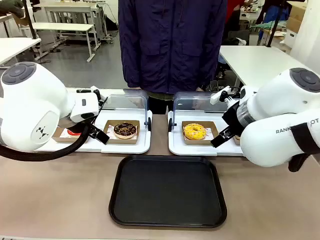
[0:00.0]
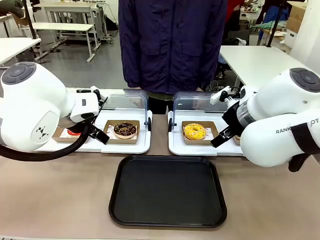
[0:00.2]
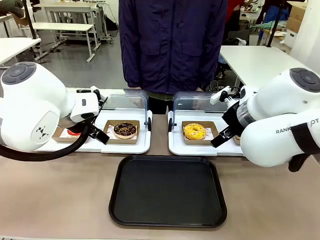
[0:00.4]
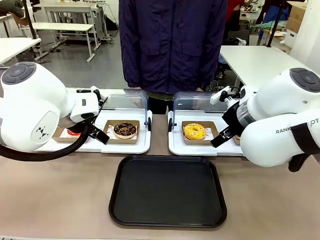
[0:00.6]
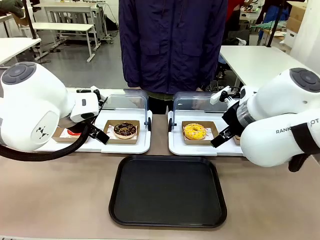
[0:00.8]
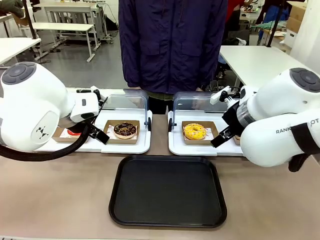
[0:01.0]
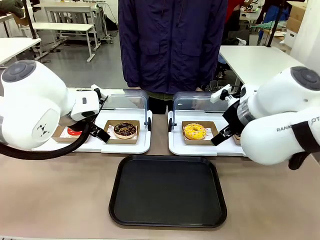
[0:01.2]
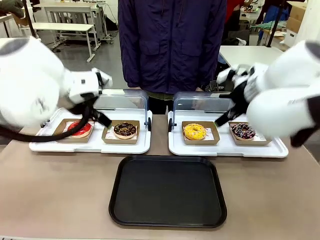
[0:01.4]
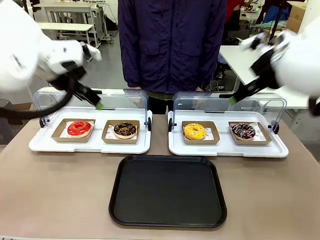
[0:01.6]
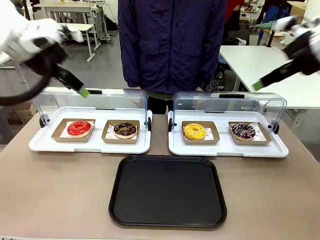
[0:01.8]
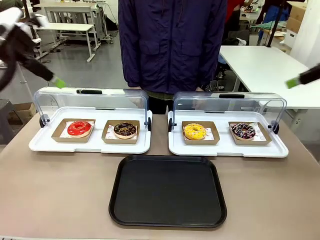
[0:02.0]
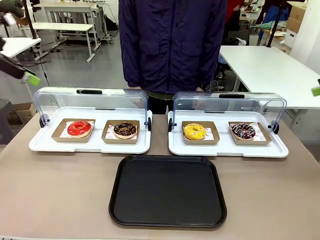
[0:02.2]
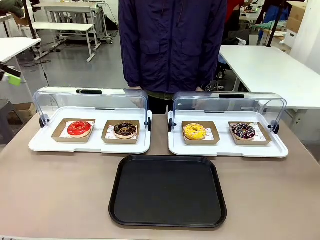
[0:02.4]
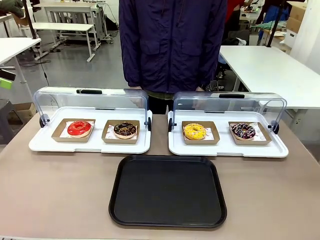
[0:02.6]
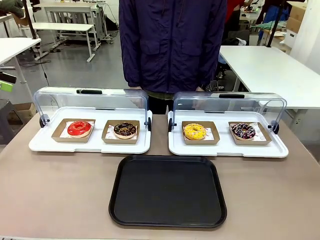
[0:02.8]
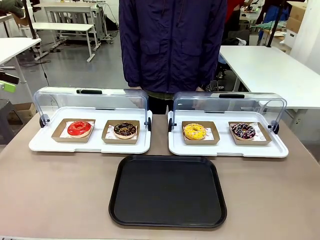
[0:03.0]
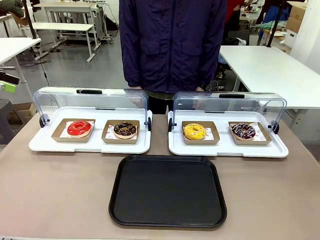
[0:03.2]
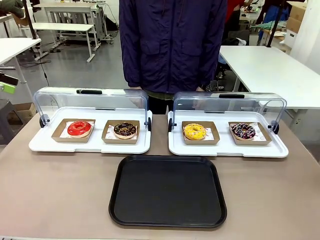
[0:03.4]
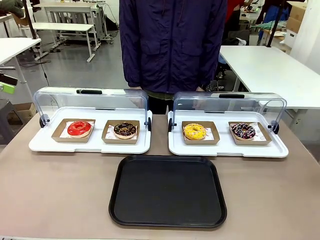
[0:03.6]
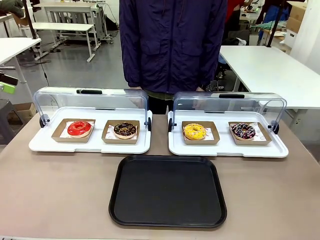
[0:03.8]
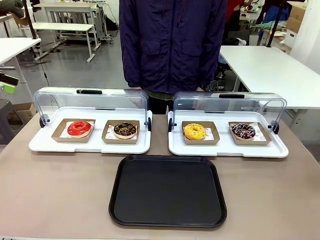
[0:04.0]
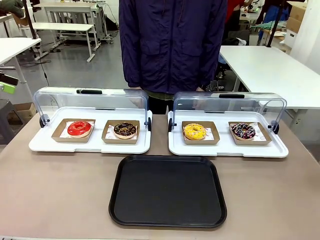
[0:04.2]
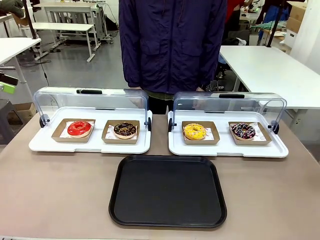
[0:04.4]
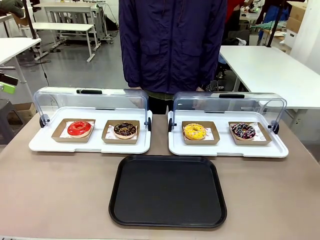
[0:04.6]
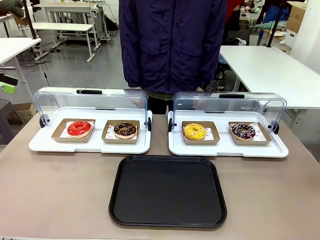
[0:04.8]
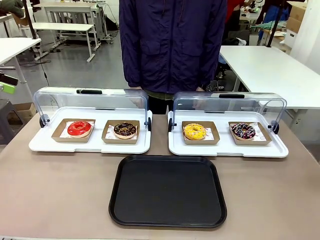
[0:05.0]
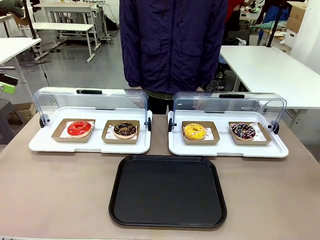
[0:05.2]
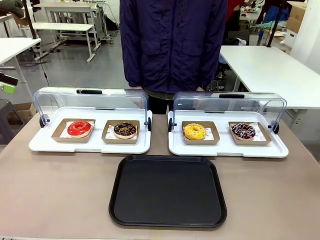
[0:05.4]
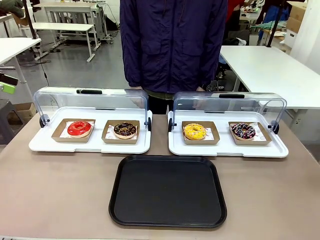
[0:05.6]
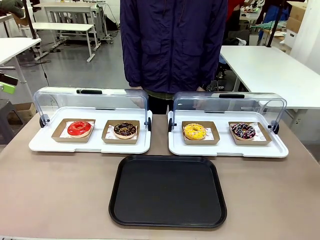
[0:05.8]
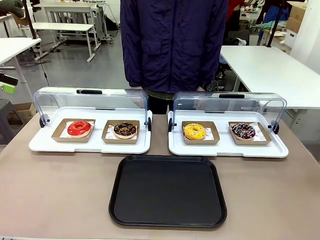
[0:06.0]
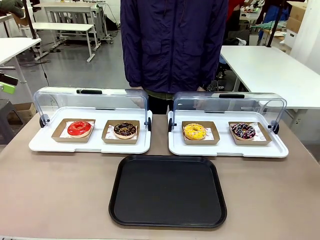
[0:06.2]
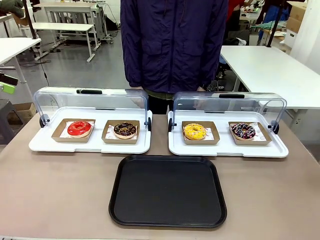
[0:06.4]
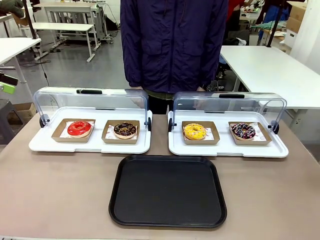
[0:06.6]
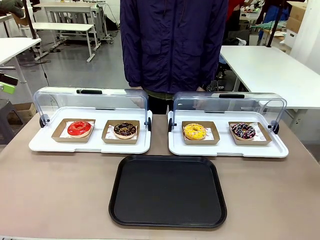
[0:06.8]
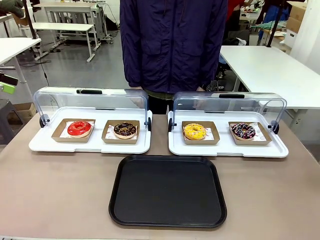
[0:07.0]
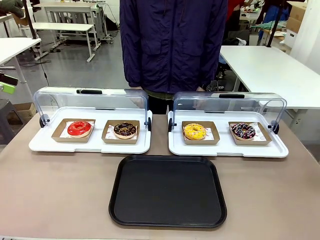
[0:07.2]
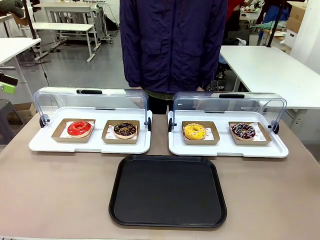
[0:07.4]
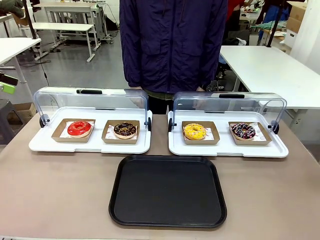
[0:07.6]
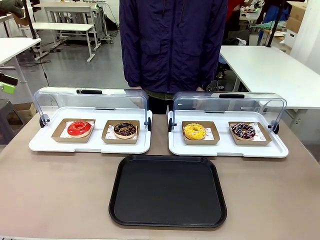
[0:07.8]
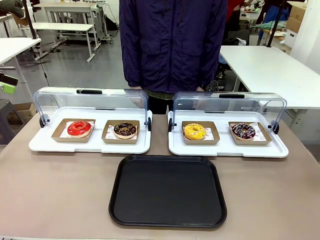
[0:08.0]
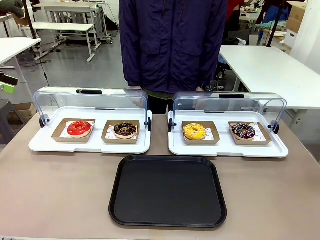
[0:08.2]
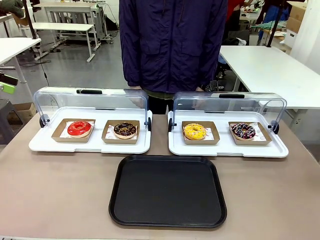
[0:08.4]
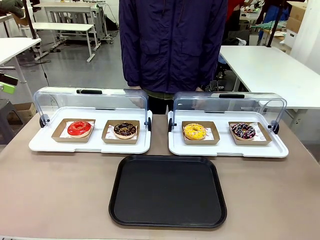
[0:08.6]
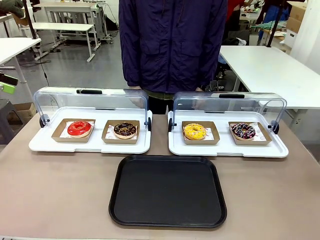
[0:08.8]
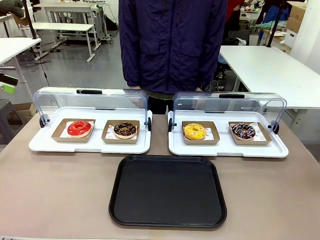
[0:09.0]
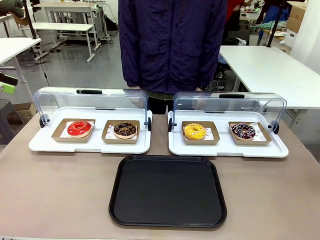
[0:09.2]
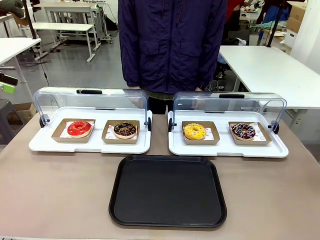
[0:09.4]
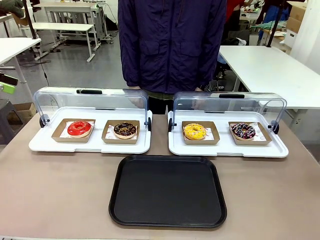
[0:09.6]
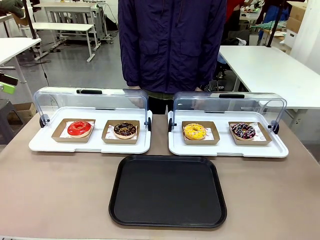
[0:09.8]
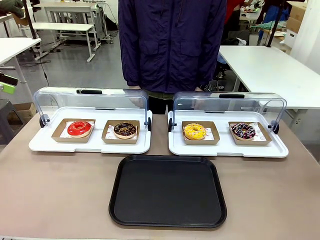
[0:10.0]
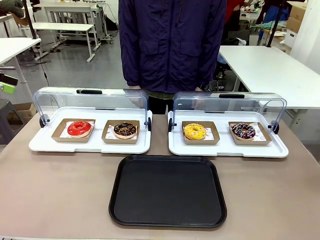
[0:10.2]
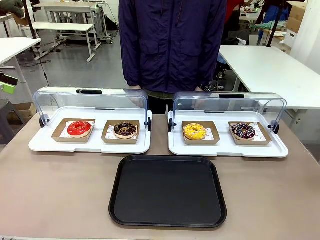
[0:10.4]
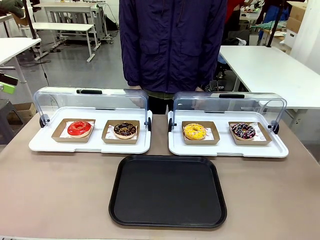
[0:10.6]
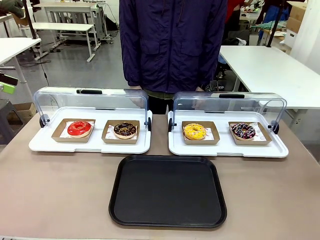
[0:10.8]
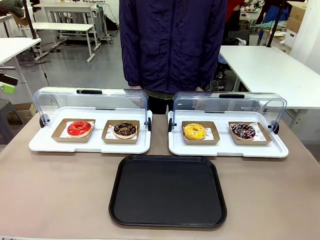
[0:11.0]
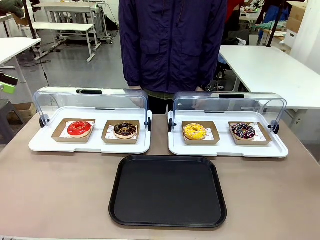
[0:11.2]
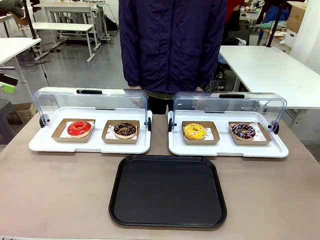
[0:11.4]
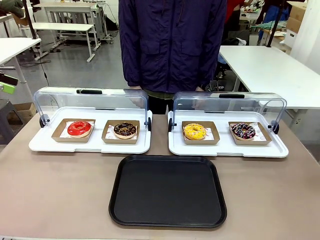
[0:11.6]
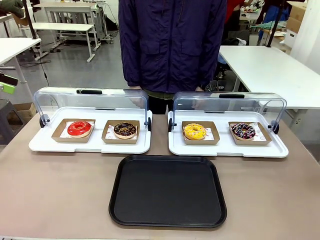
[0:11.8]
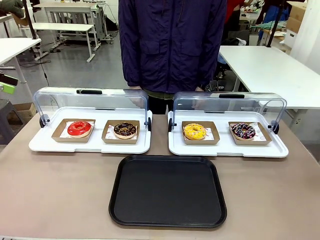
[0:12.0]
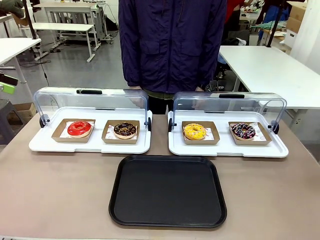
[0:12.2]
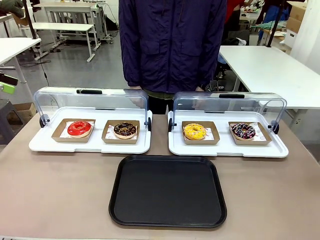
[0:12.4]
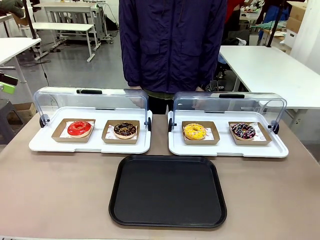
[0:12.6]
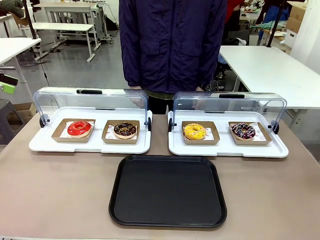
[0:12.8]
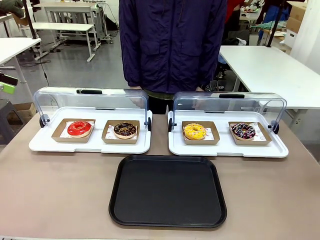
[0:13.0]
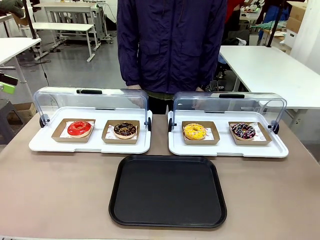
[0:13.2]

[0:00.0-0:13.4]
Task: Move the second donut from the left to the tray.
Robot: Pick up the Paper togo box containing the Donut indicated by the person and place it on the Handle tray.

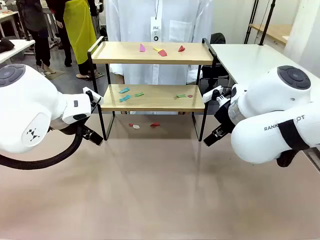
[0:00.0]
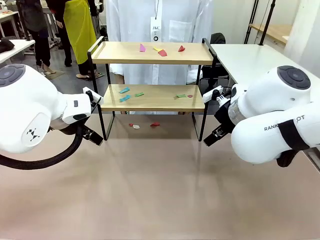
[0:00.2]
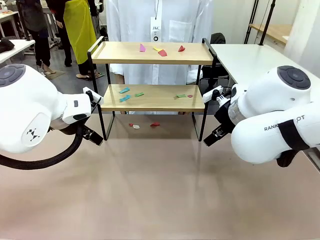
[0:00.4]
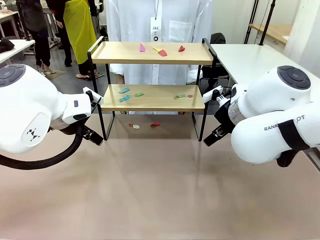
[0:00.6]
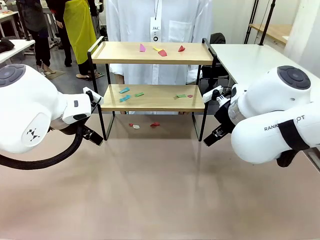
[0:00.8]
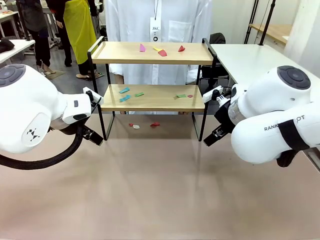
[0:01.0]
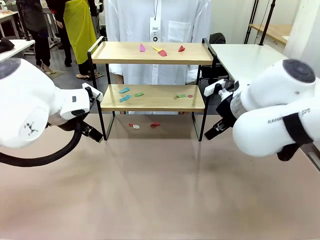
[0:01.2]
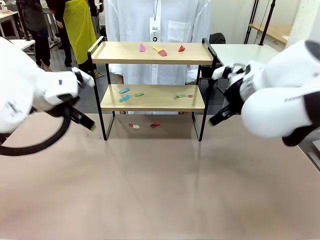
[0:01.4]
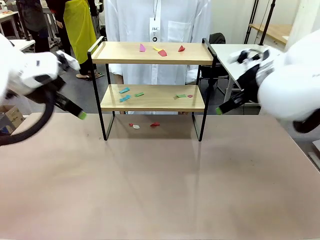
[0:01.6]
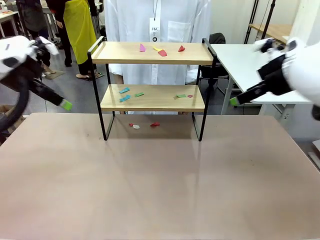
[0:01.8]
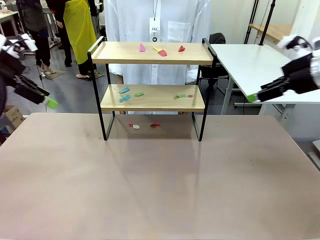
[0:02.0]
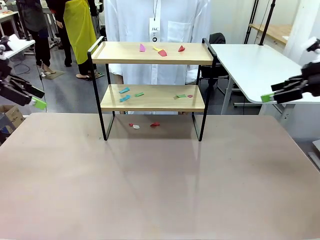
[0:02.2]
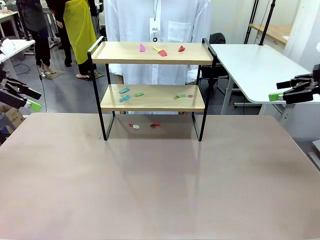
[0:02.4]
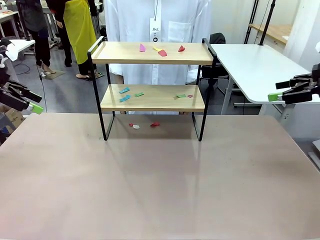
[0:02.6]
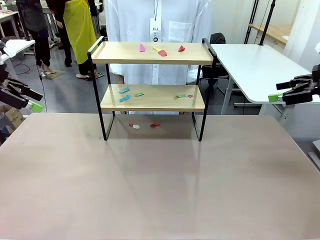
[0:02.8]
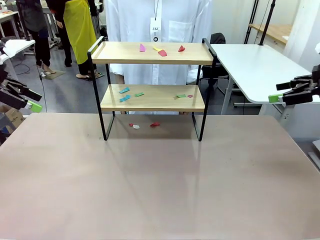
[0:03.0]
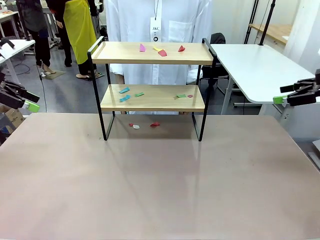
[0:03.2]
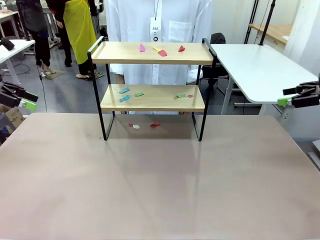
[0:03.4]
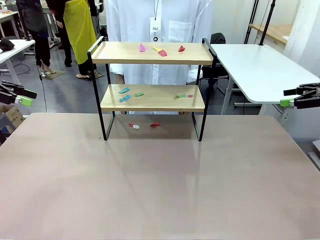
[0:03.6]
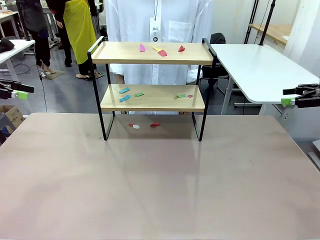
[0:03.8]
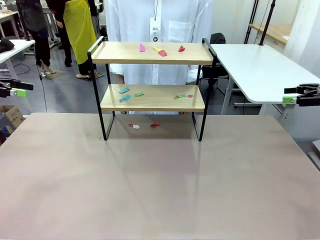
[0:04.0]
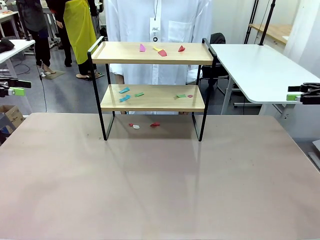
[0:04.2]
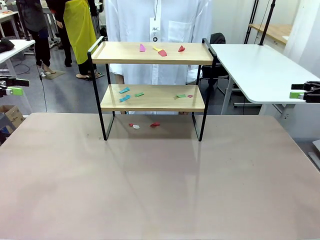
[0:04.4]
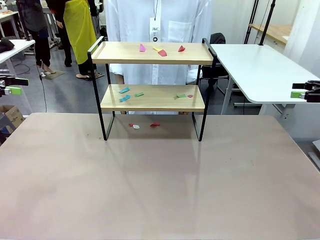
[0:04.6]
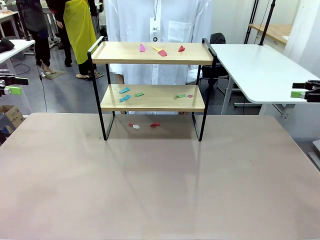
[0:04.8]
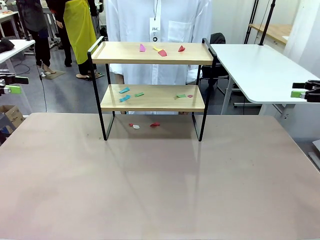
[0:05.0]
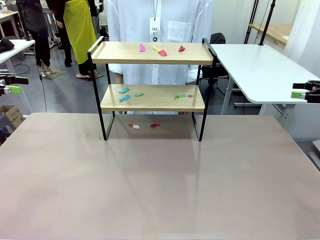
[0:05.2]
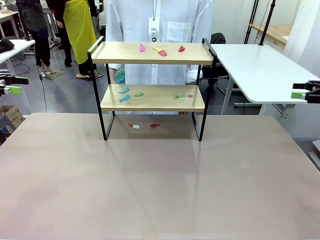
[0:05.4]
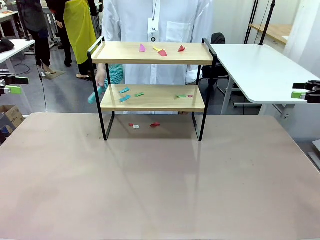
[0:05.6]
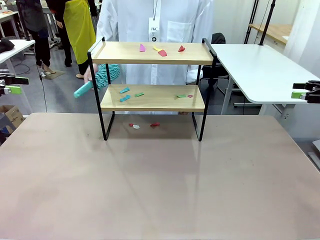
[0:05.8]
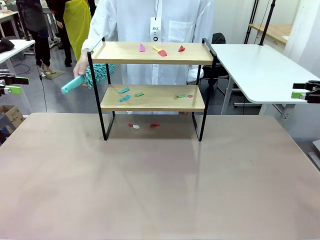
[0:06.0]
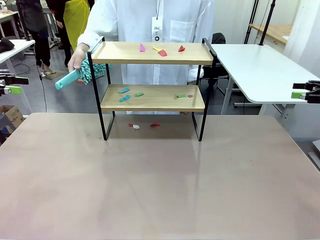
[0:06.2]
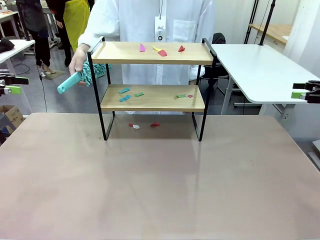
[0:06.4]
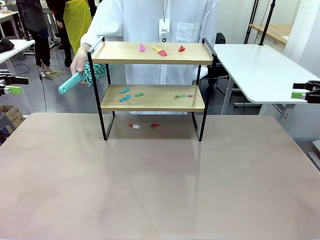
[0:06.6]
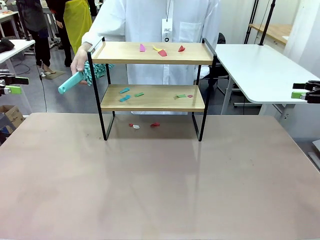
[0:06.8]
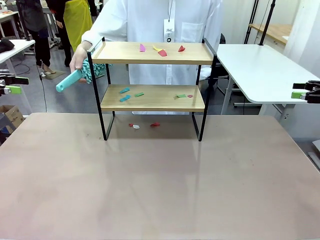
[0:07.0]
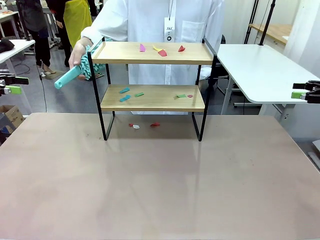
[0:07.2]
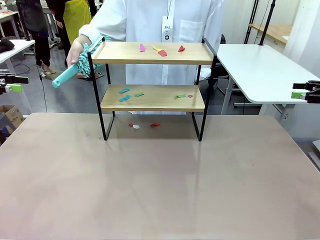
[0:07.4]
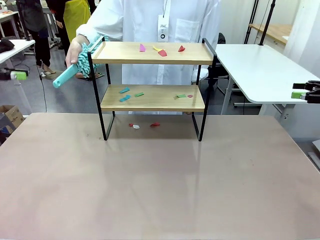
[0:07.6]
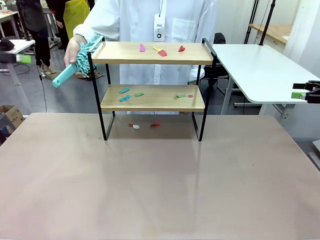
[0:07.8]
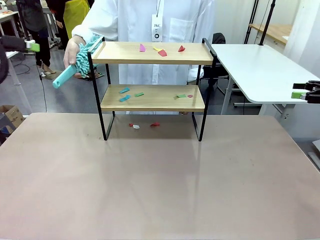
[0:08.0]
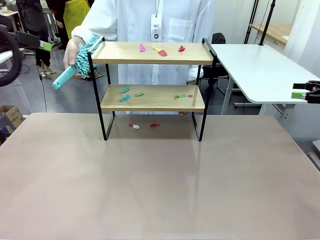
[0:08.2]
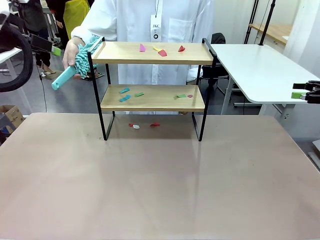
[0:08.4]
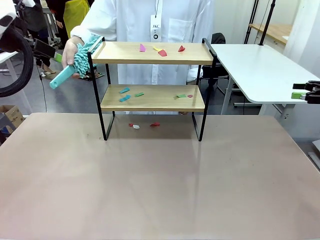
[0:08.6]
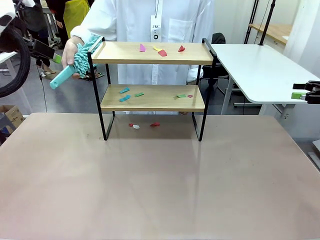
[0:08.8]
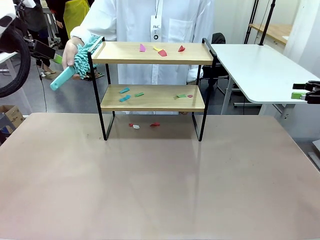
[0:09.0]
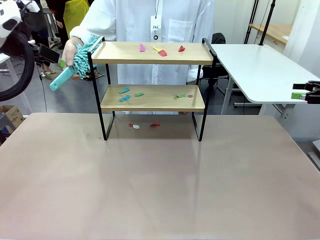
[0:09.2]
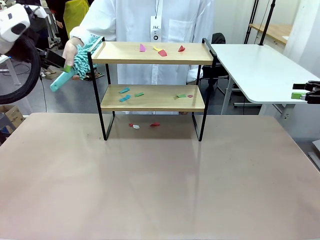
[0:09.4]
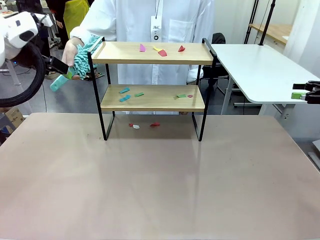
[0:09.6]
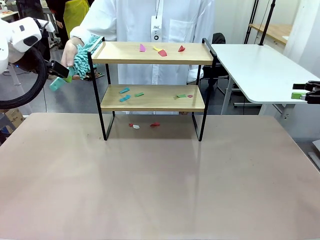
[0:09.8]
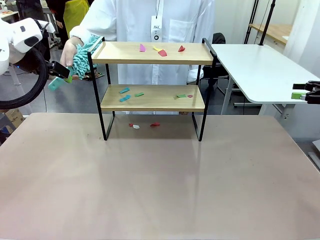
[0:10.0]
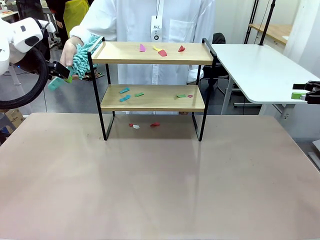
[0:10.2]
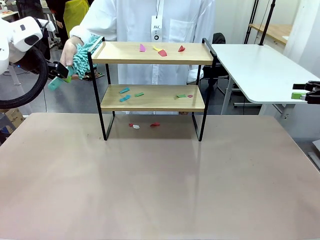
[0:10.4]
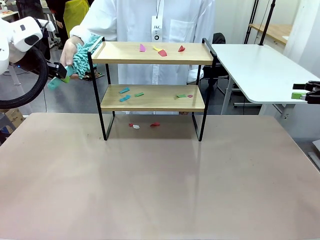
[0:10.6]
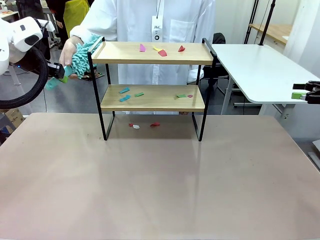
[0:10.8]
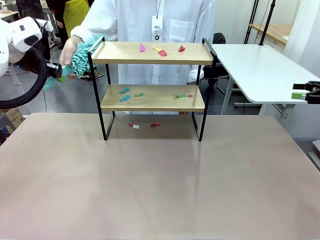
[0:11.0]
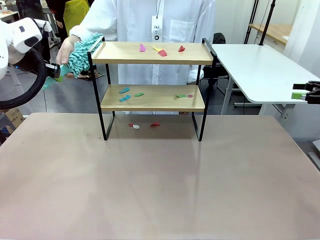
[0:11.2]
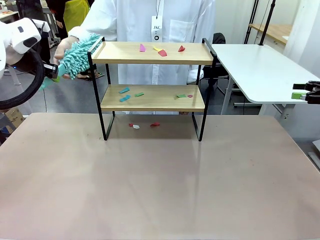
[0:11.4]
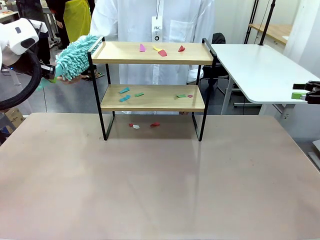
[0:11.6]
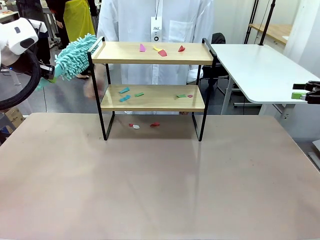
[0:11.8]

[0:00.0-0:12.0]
Task: Clean the shelf.
Robot: Pick up the Duster handed by the human.
Person: Hand the Duster to the robot.
